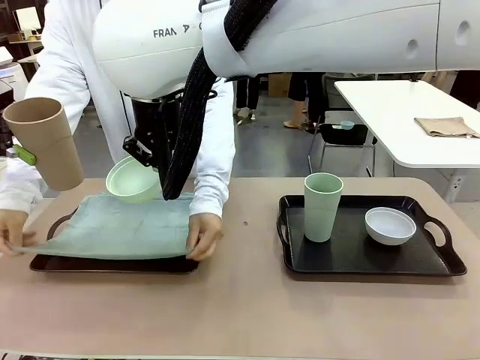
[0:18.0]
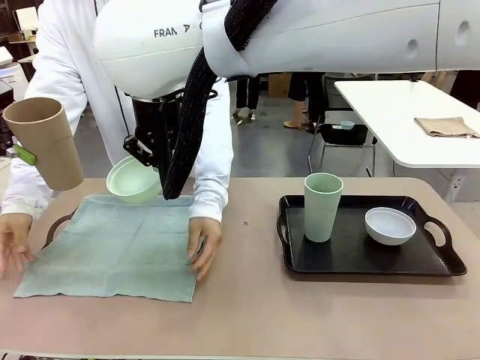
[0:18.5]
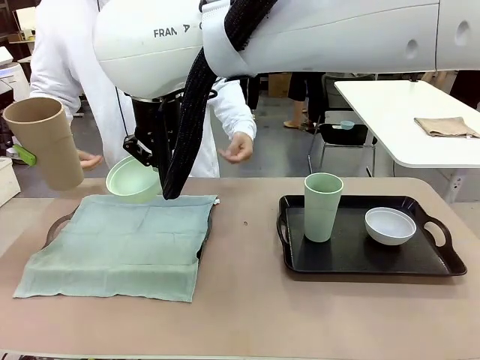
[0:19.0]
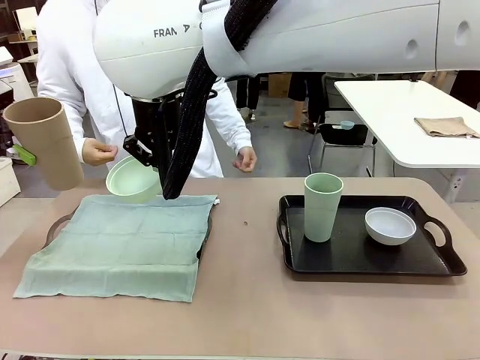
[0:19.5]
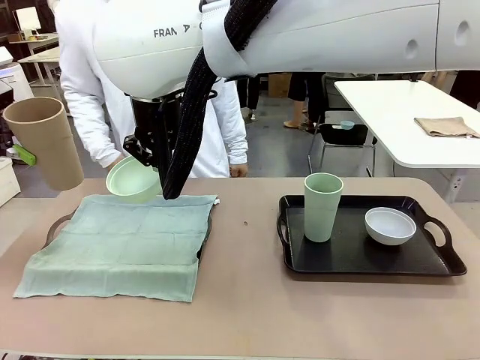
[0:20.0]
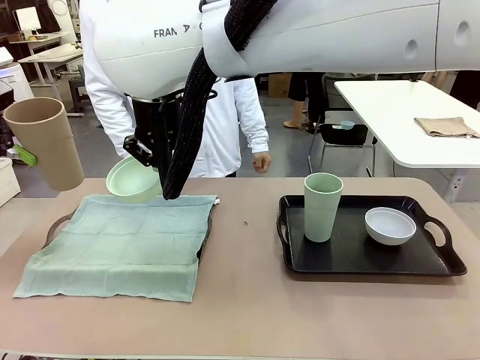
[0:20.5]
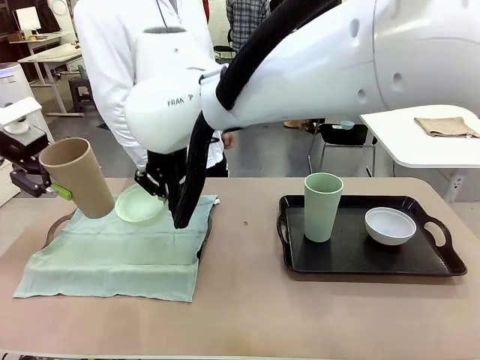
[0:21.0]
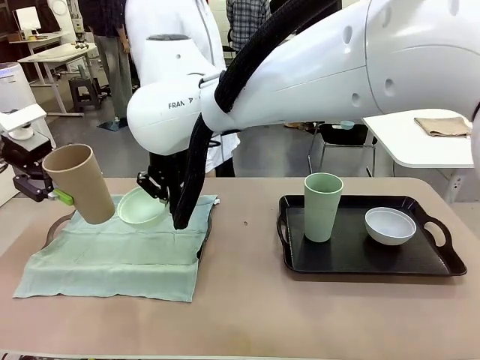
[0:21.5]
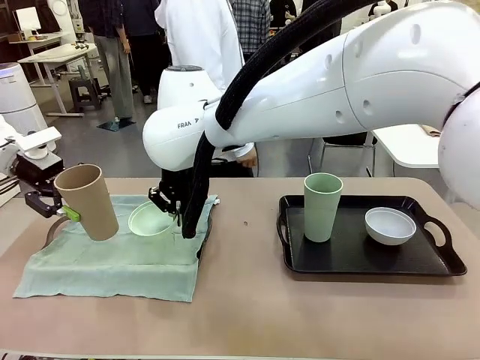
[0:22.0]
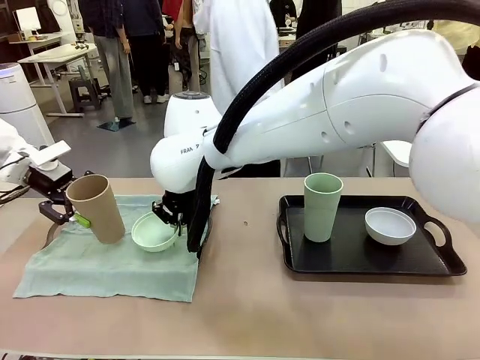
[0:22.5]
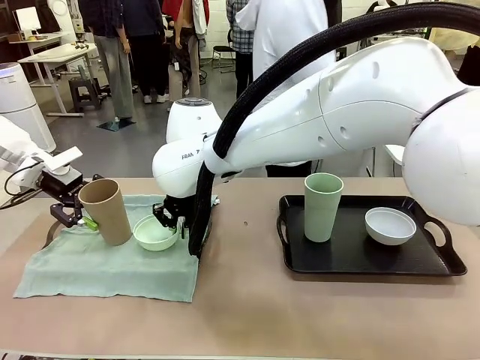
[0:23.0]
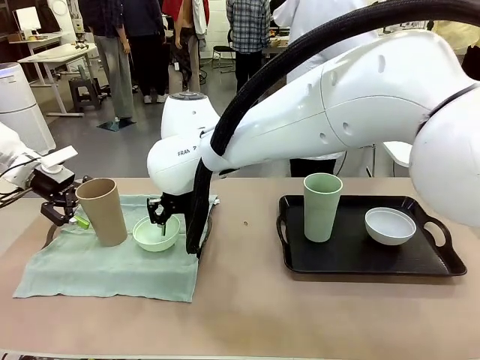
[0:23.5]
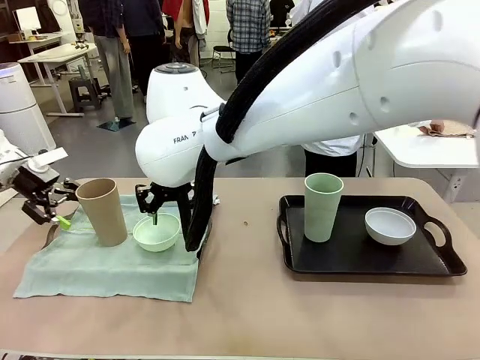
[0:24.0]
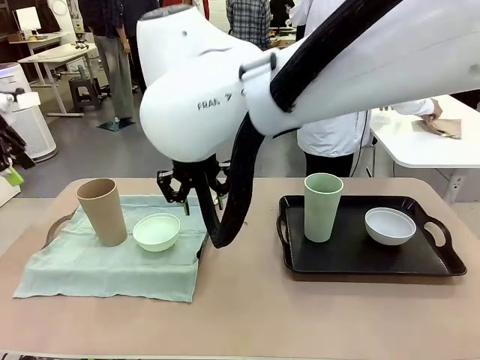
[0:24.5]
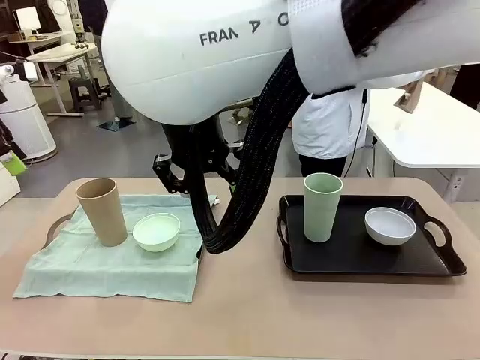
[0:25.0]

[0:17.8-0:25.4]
Robot: Place the Picnic Bowl and Reusable plastic cup back onto the Handle tray in front of the human's position.
Person: The human returns to the human table to pick up another napkin and walks to the robot table to stand in front of the tray without a napkin.

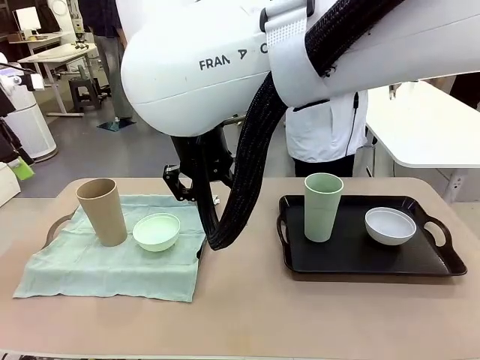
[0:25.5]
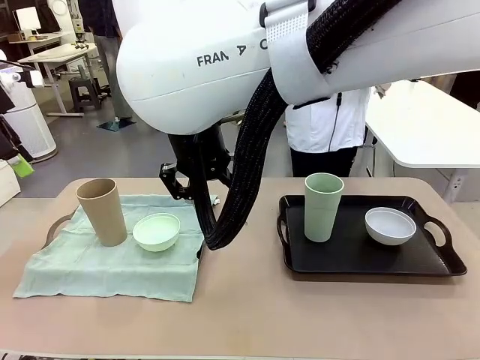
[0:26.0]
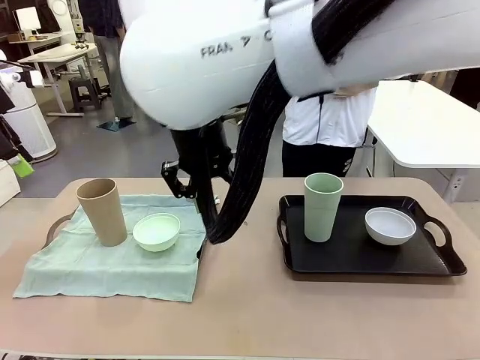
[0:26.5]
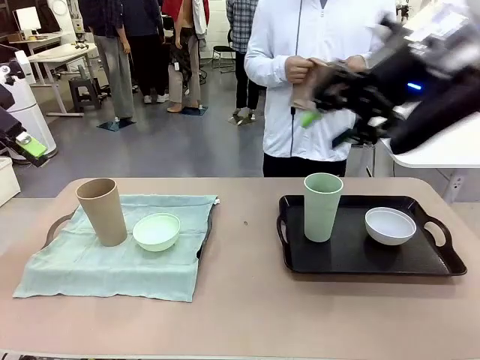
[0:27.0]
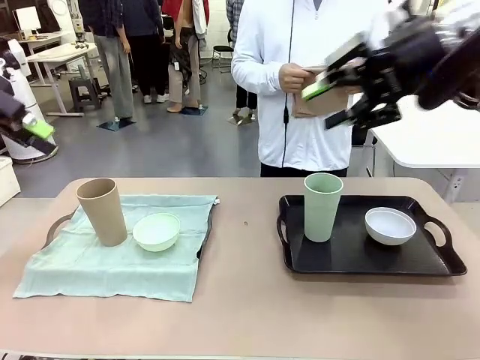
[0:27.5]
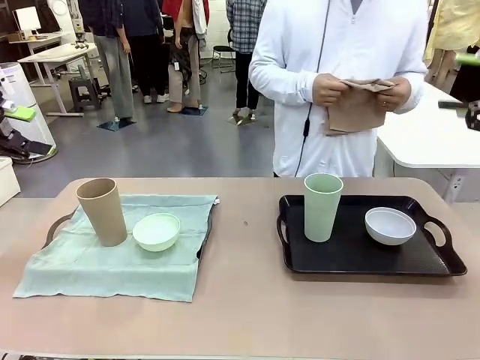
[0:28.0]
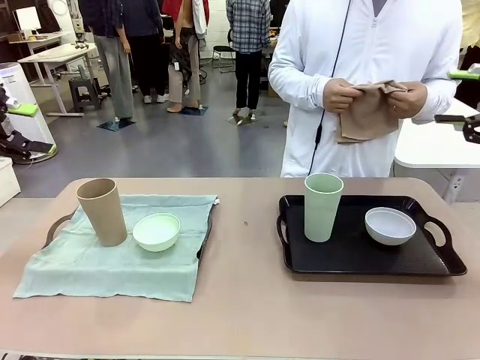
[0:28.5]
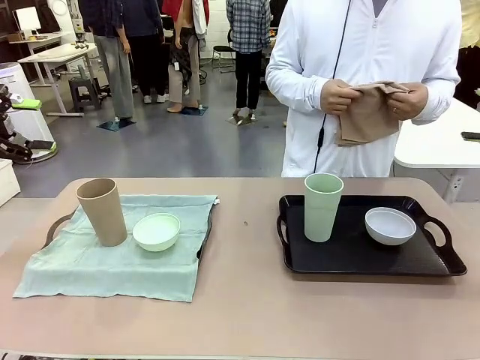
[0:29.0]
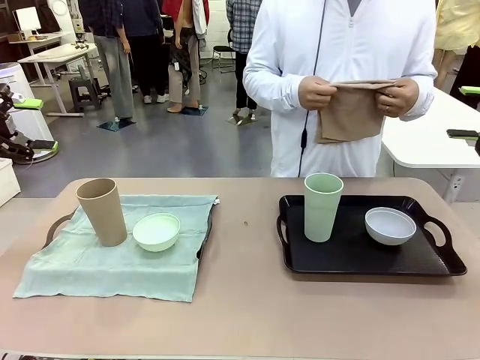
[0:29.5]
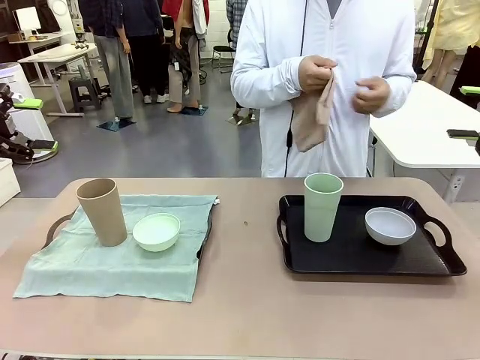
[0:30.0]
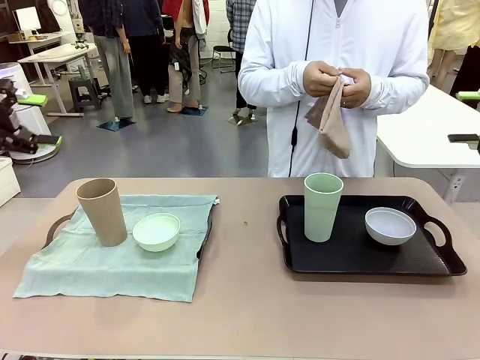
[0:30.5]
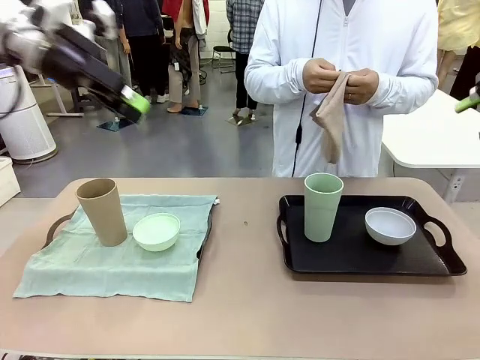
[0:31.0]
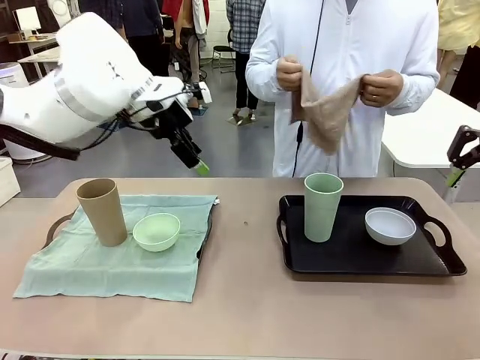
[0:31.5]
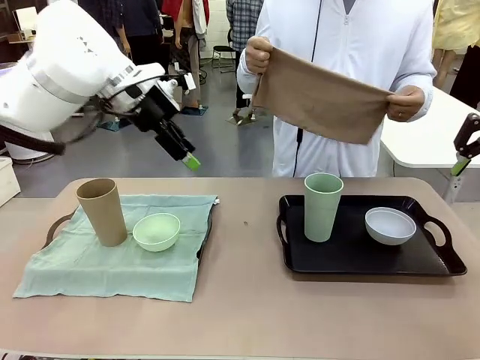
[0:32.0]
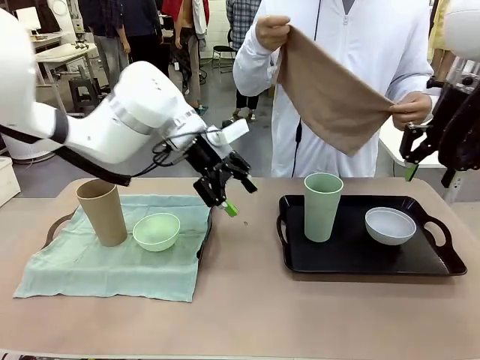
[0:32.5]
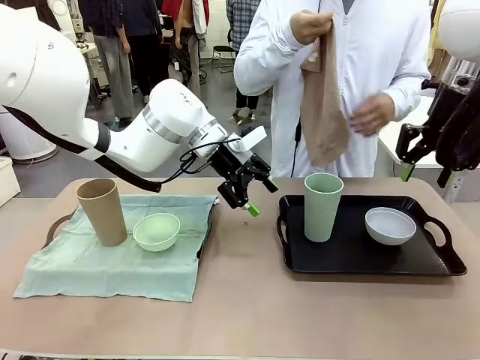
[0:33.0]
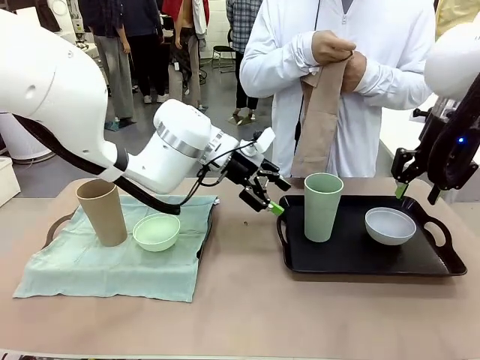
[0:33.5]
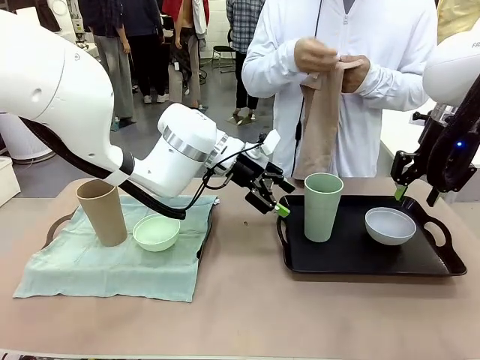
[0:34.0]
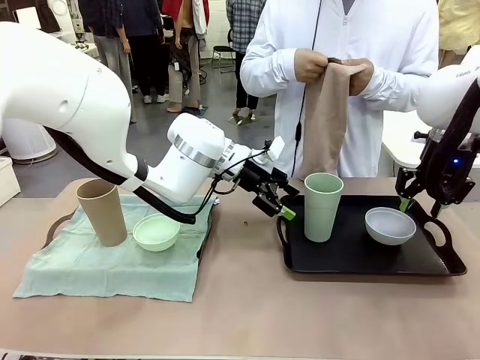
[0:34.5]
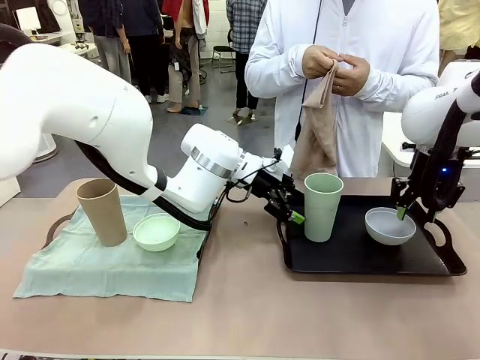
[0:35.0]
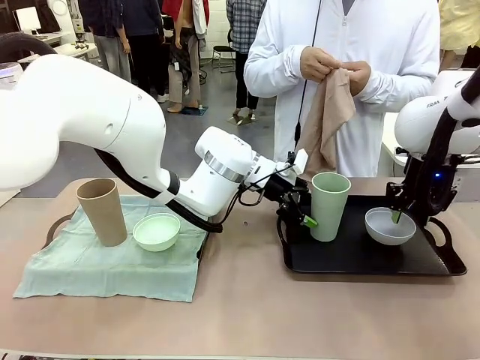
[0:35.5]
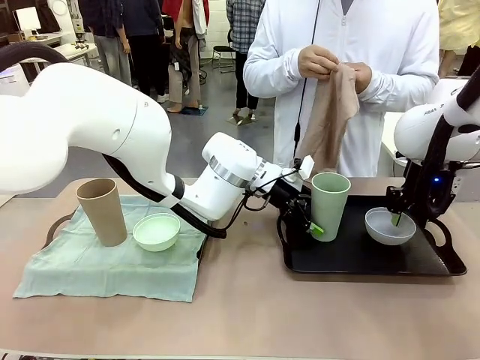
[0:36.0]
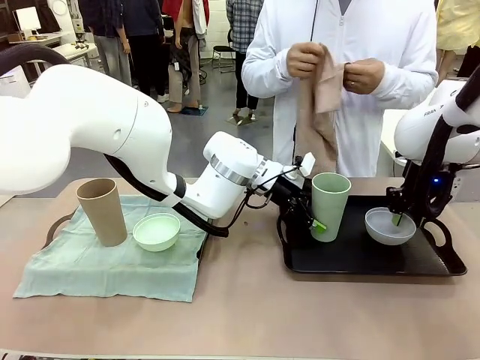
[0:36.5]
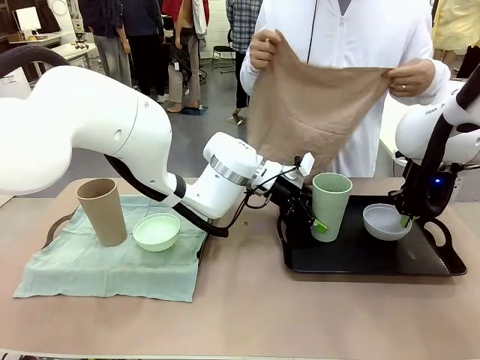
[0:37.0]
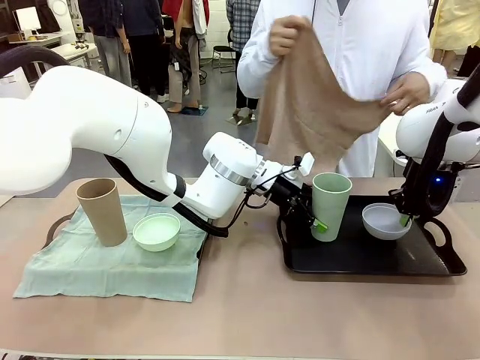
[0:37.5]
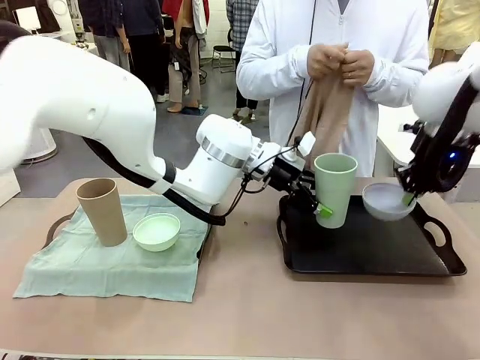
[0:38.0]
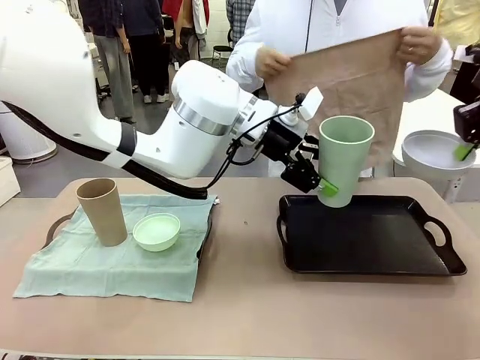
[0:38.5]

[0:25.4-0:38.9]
Robot: Pick up the Picnic Bowl and Reusable plastic cup from the Handle tray in front of the human's position and hold them in the air.
Person: When the robot lifts the bowl and the cup, the human unfolds the napkin and lays the napkin flat on the tray.

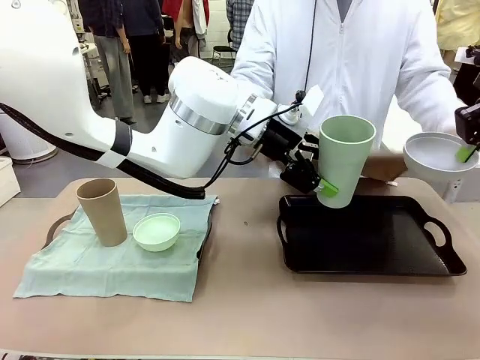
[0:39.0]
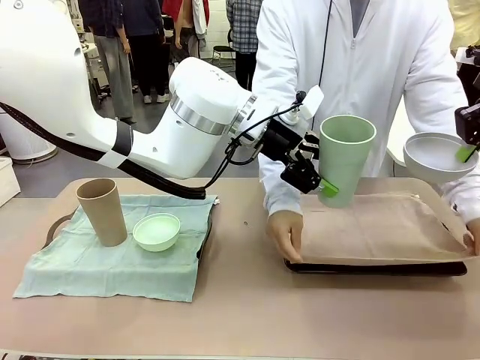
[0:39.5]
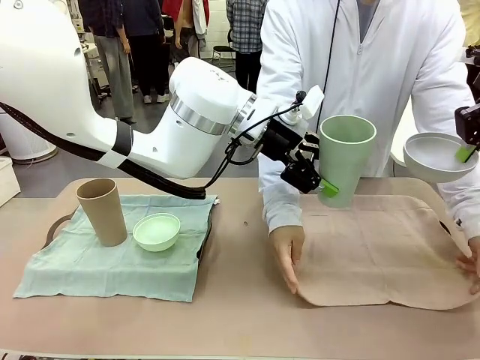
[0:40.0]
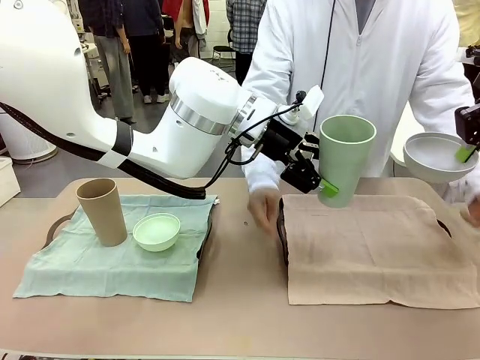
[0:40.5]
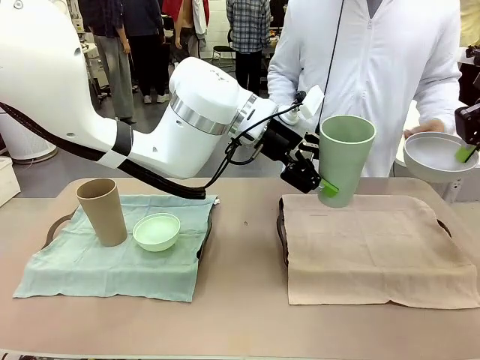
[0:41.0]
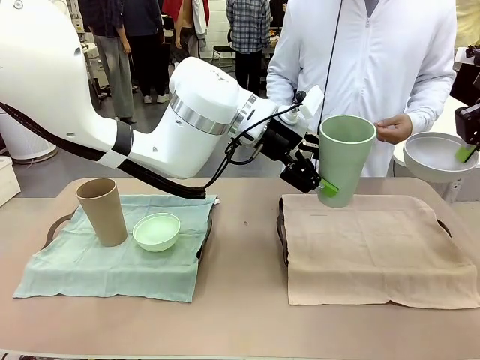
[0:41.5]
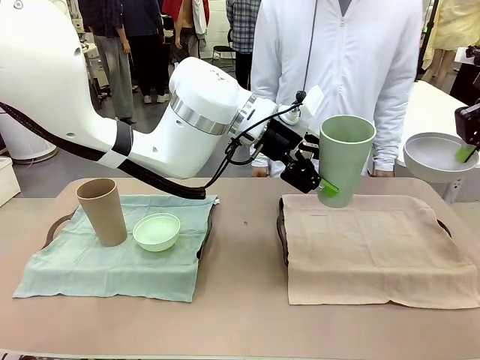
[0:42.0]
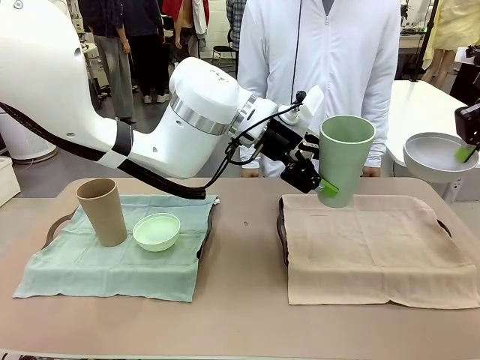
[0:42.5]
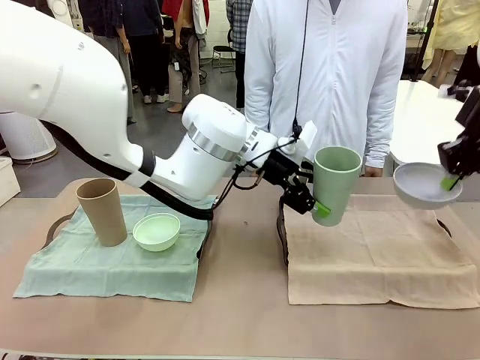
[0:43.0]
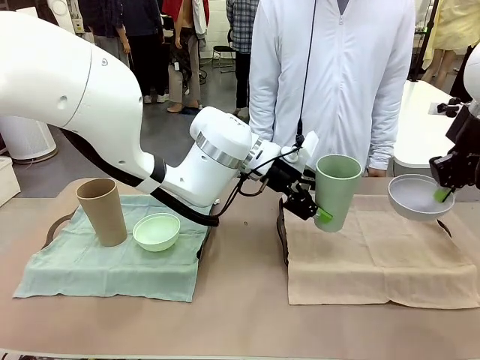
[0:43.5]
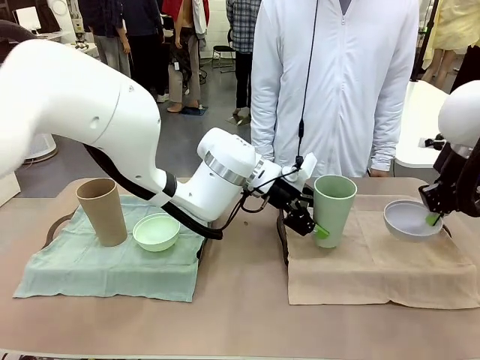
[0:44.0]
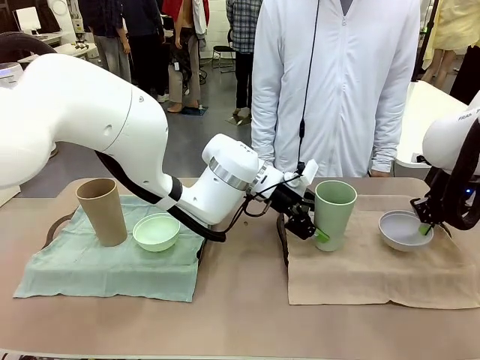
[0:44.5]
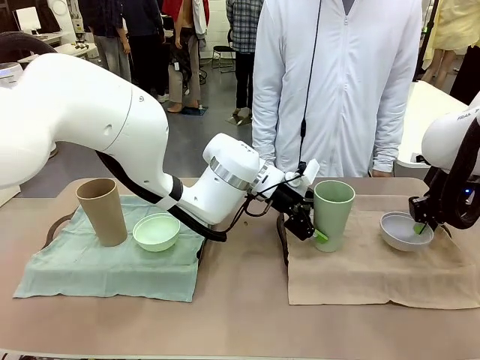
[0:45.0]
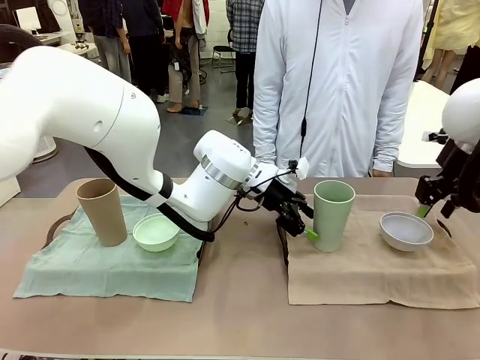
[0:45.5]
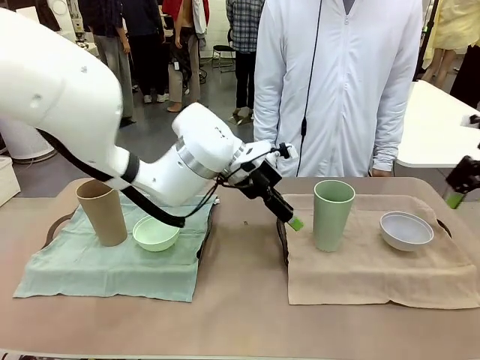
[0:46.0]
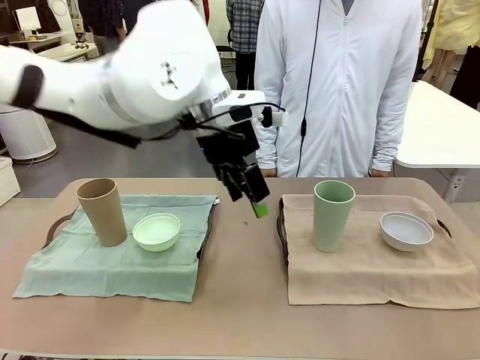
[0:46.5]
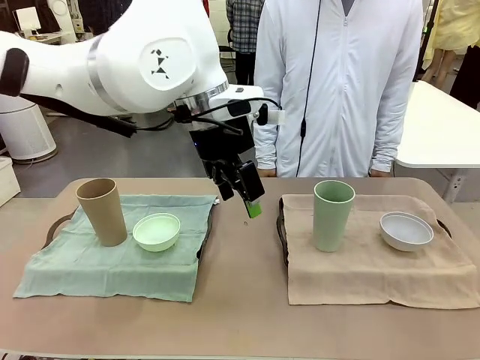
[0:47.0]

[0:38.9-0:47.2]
Robot: Place the Picnic Bowl and Reusable plastic cup back onto the Handle tray in front of the human's position.
